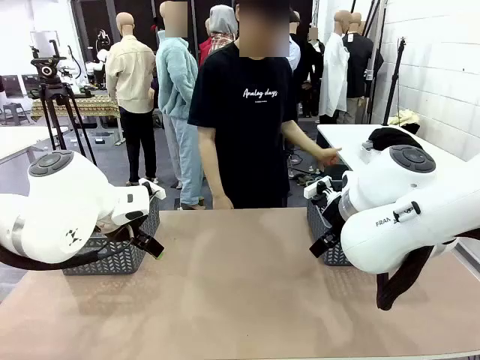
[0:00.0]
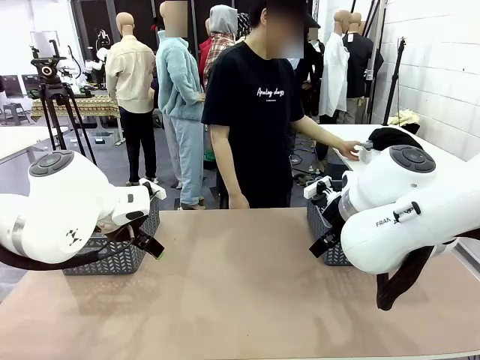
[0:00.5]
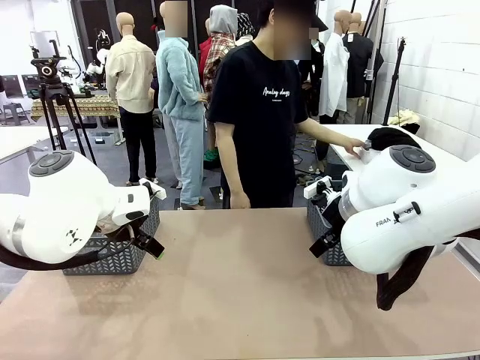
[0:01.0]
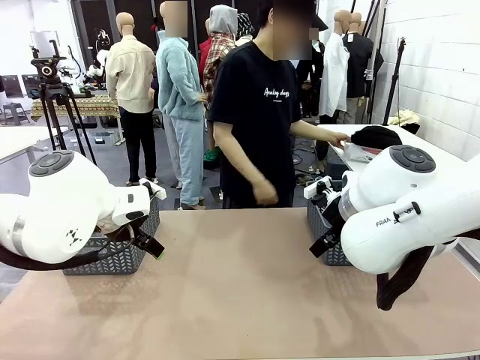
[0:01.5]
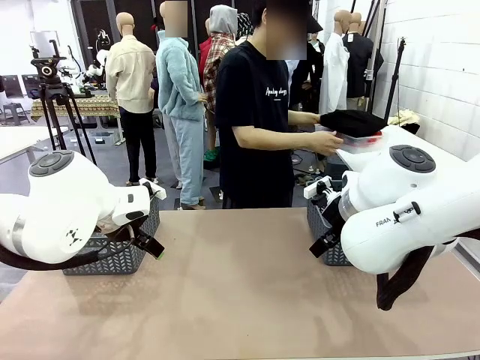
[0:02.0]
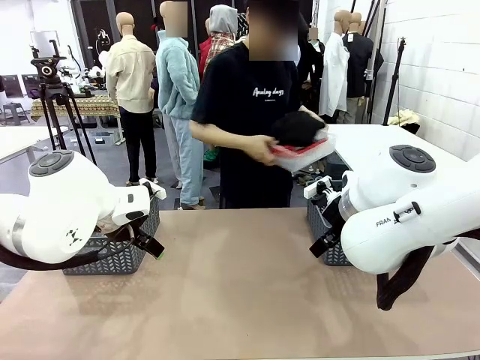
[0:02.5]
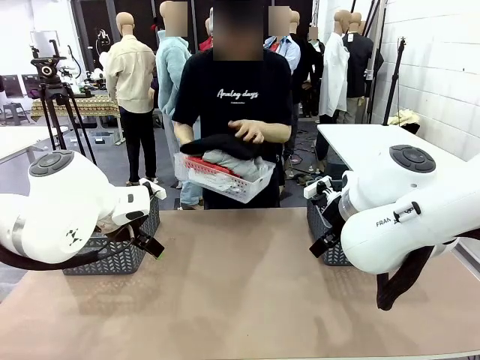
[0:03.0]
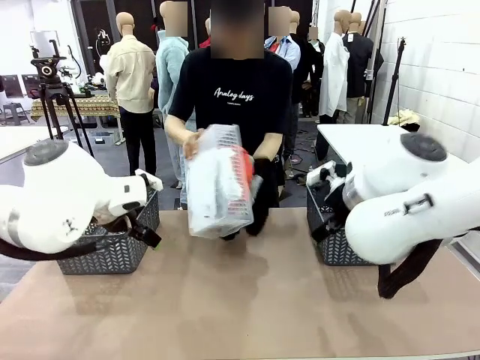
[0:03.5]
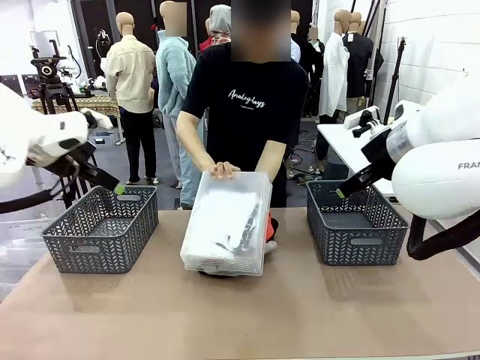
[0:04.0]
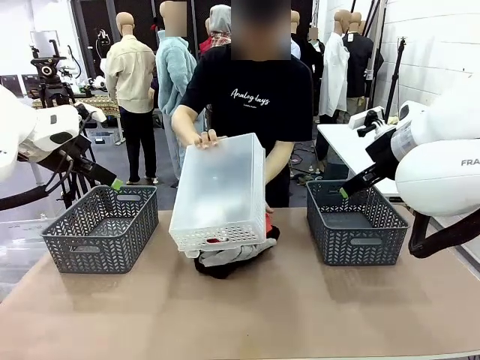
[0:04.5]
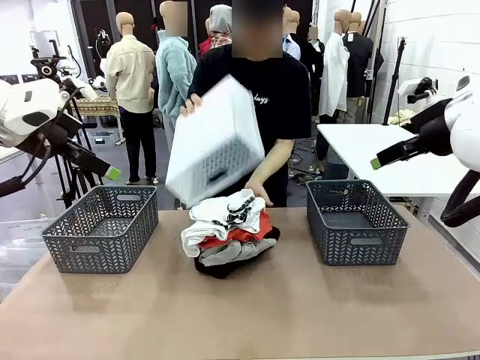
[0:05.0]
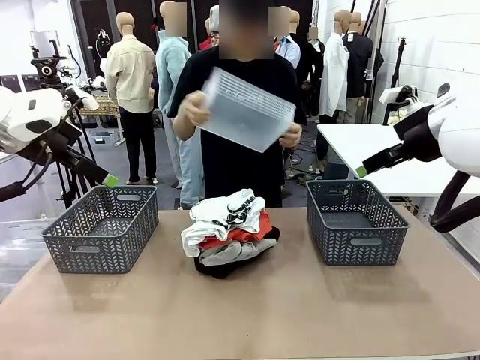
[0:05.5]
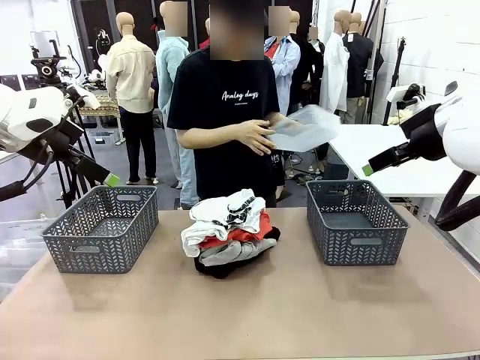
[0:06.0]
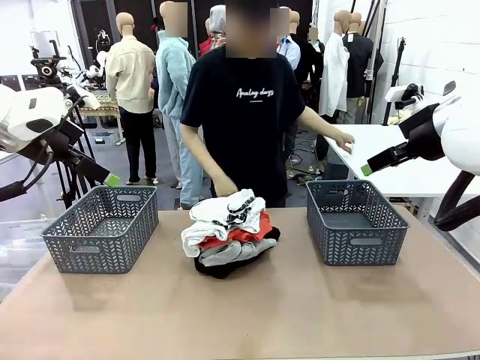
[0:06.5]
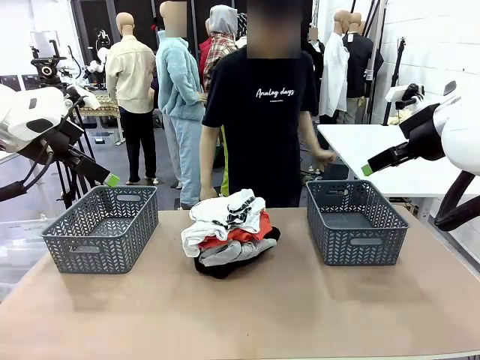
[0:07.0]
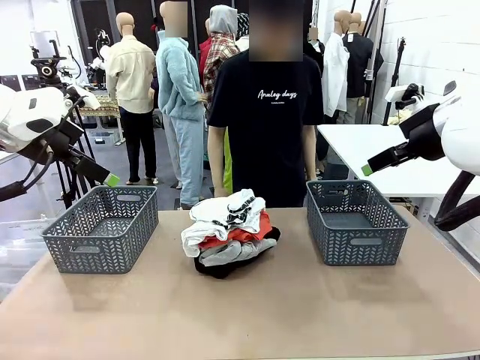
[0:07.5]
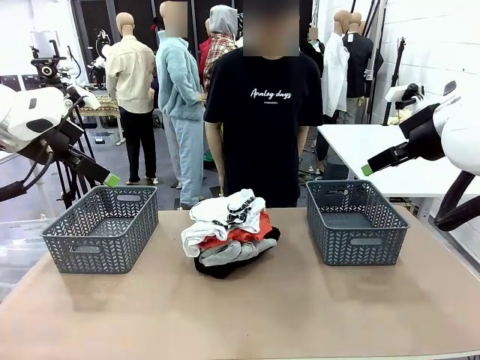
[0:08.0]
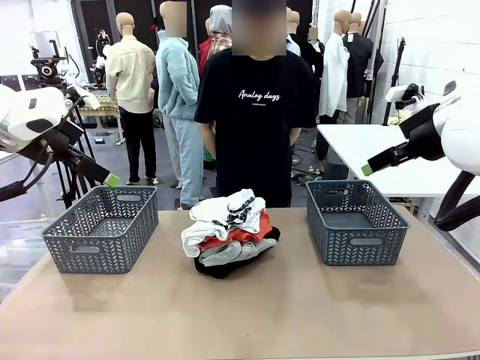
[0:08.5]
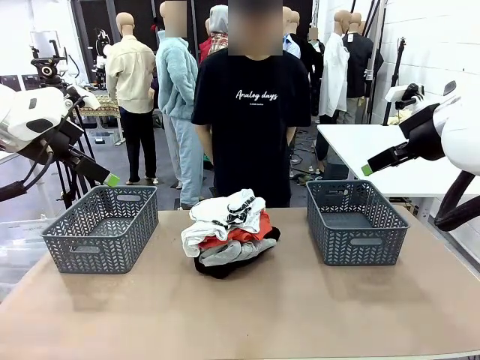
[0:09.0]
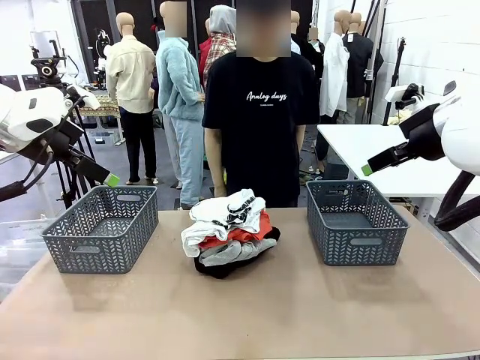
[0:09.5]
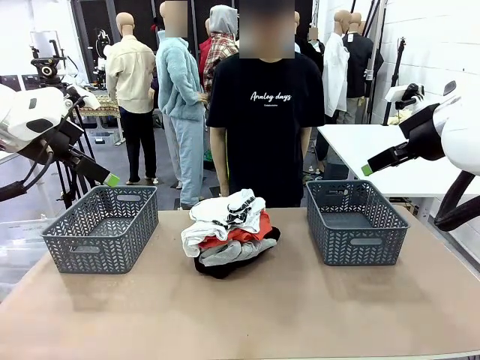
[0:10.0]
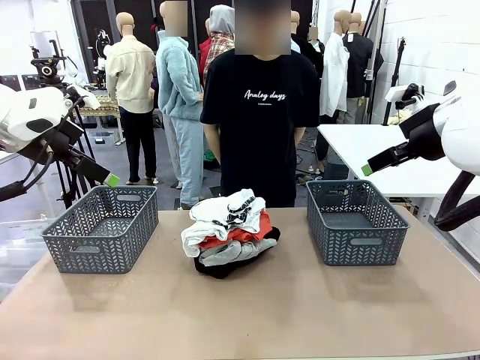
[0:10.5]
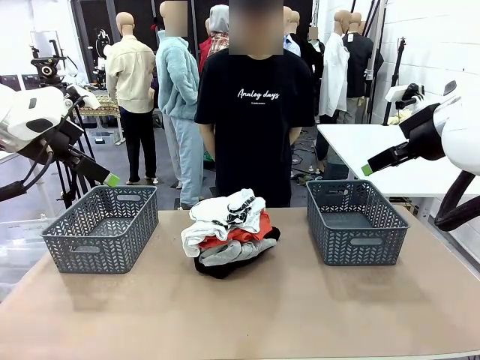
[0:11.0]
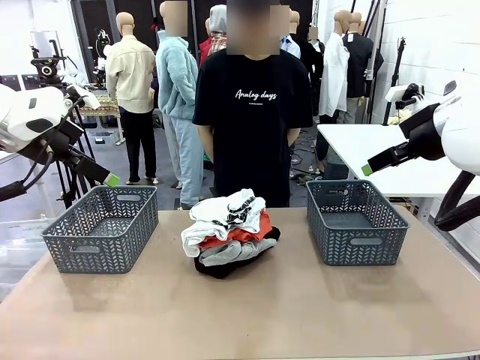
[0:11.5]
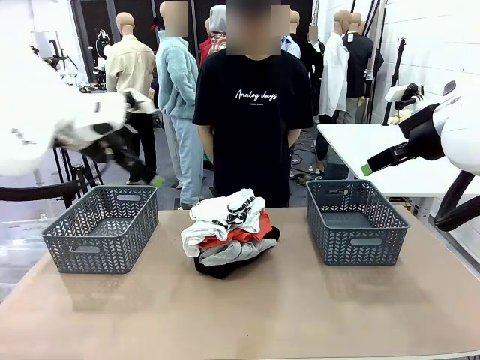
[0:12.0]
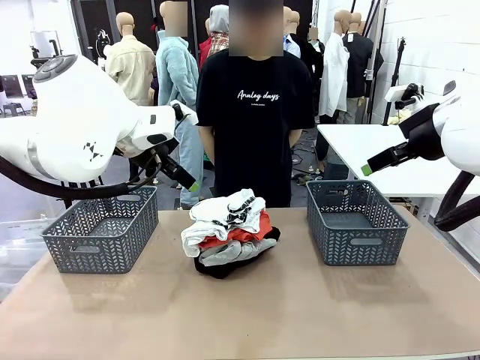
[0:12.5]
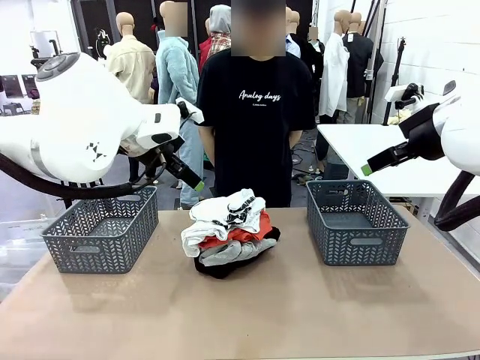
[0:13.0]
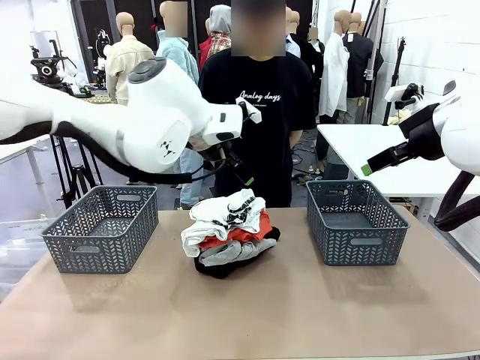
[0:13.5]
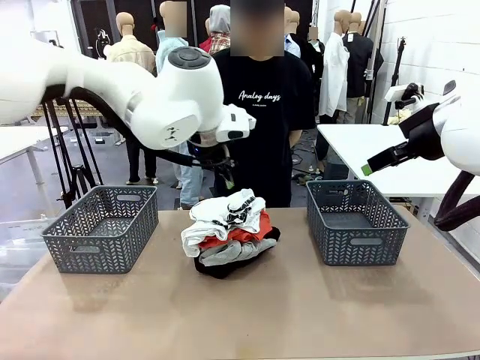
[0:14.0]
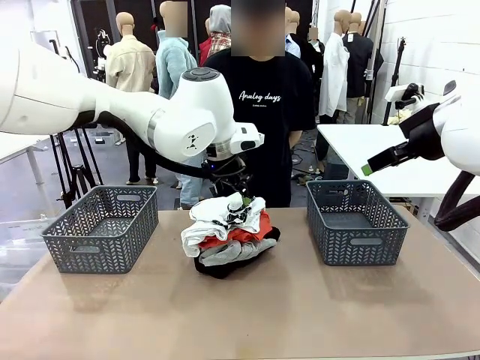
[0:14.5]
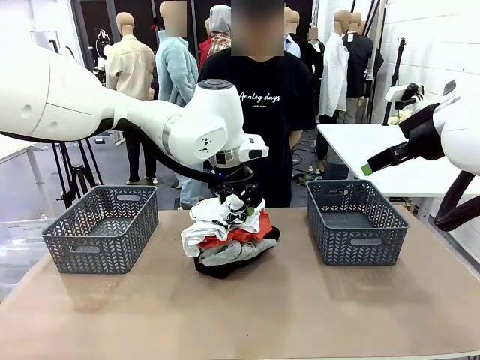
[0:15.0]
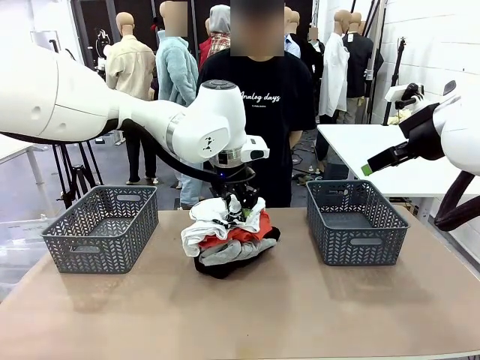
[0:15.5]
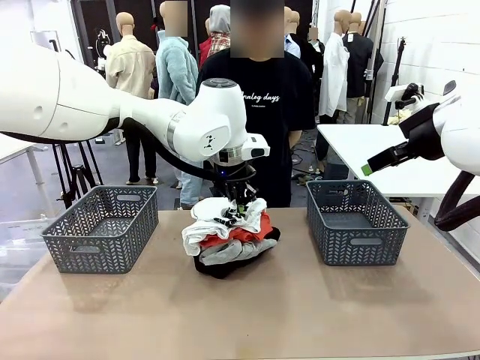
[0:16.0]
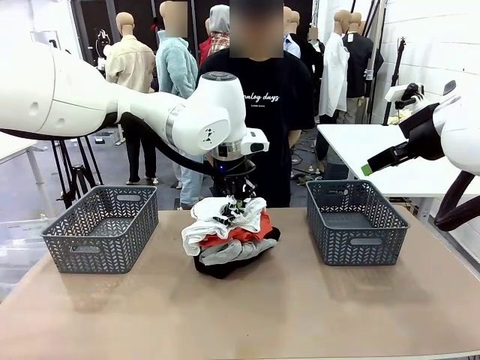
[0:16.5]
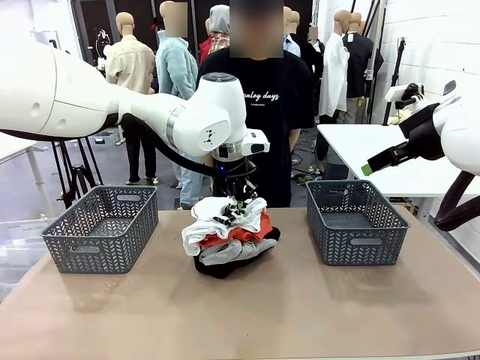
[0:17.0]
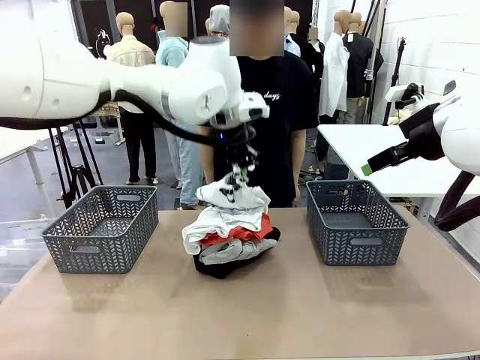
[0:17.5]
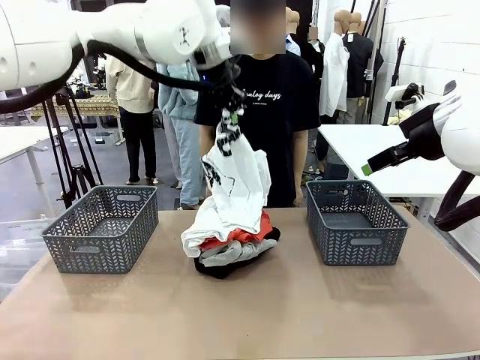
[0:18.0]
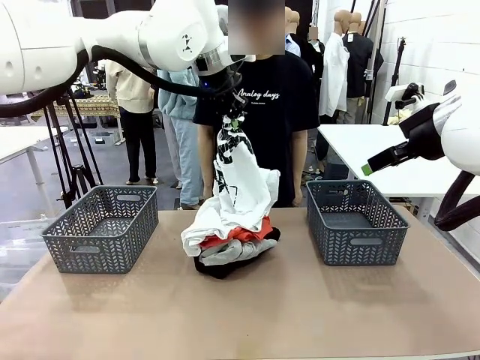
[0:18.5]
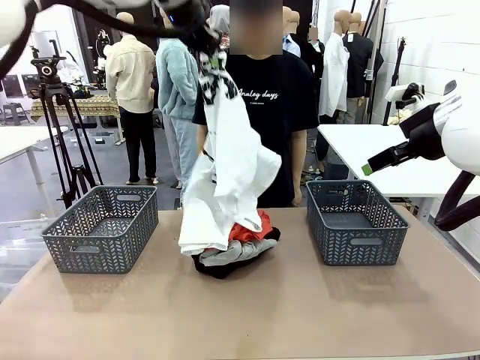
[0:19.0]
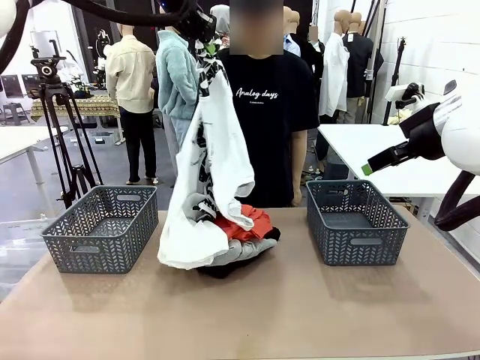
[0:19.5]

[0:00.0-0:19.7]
Task: Sort the tops and bottoms.
Robot: Lift clothes from the center of the table with your left hand.
Person: Pour the clothes from the basket onto the center of the robot table.

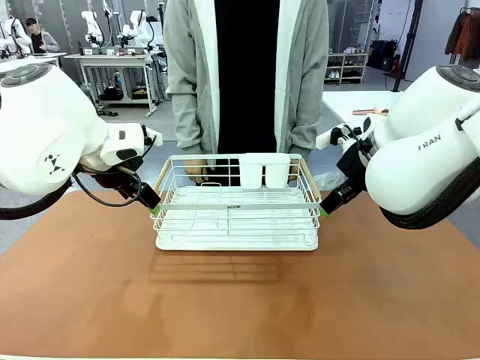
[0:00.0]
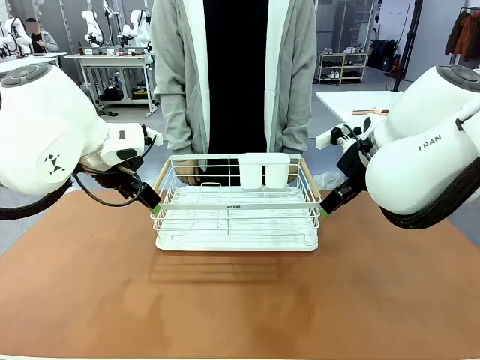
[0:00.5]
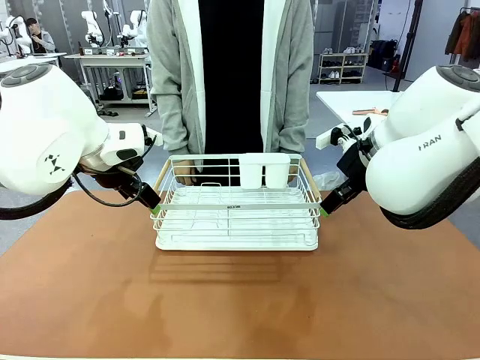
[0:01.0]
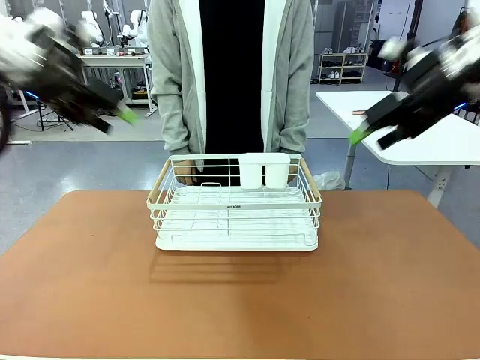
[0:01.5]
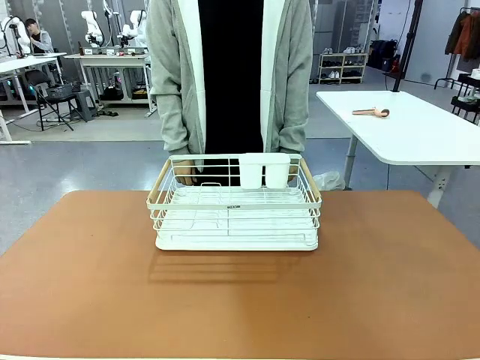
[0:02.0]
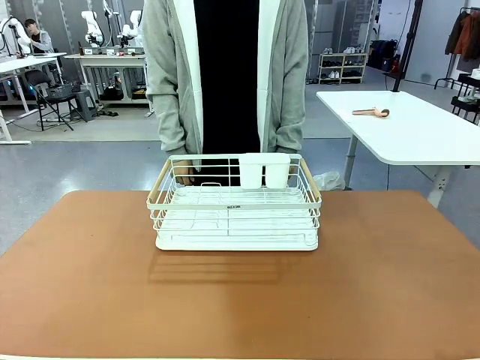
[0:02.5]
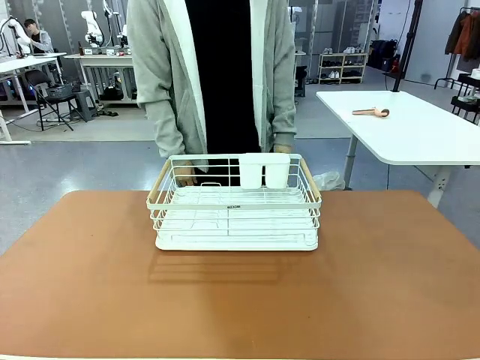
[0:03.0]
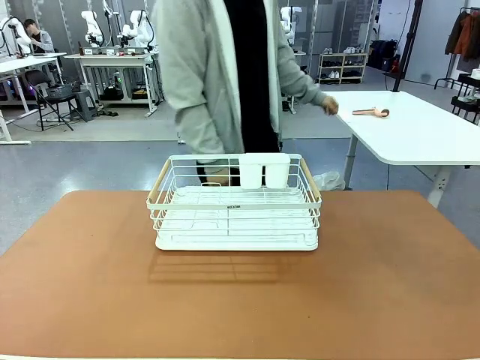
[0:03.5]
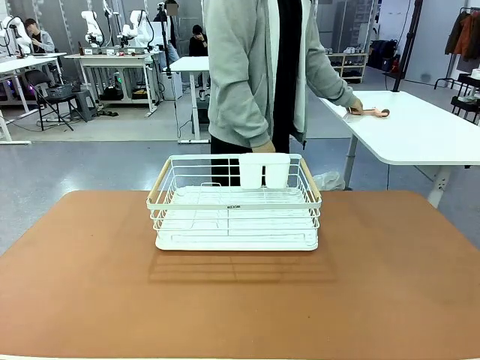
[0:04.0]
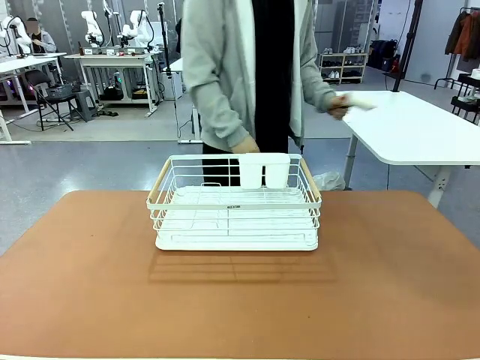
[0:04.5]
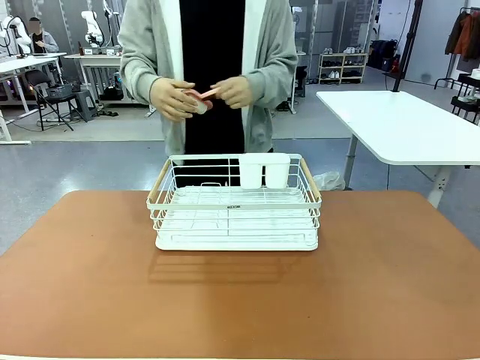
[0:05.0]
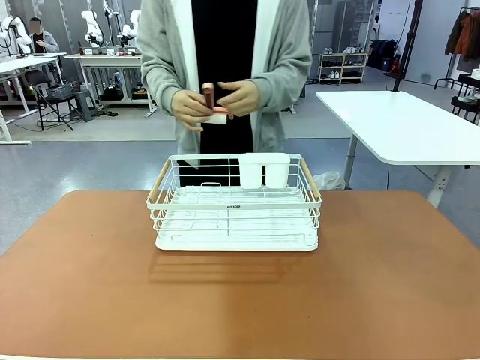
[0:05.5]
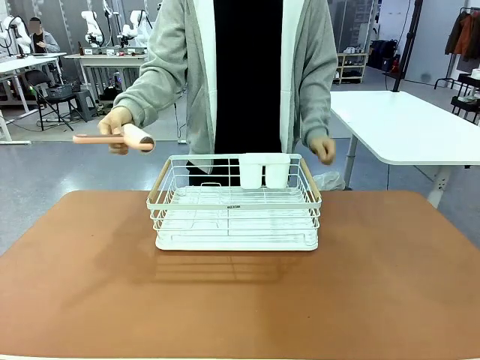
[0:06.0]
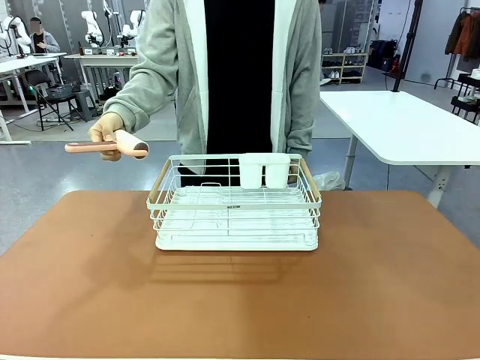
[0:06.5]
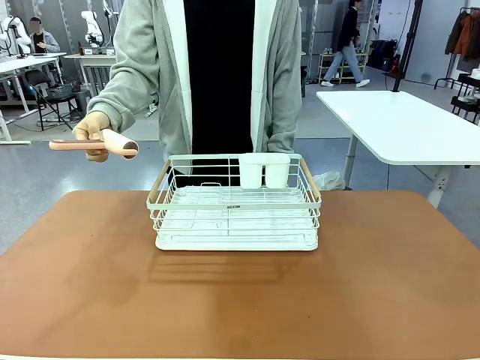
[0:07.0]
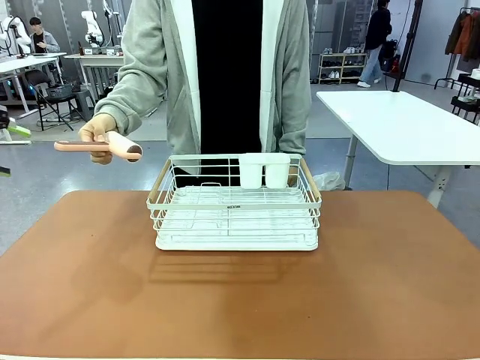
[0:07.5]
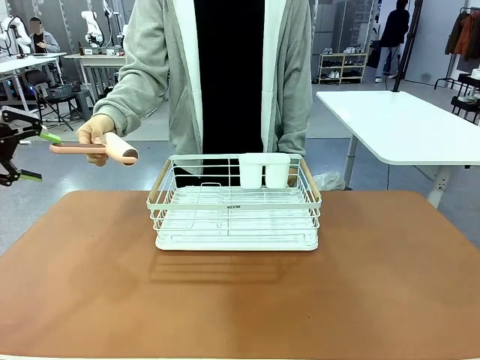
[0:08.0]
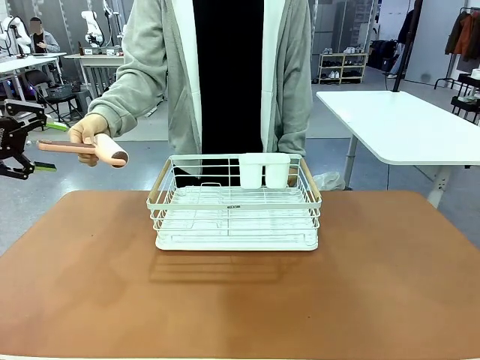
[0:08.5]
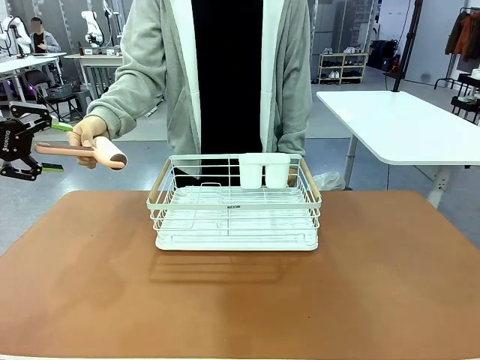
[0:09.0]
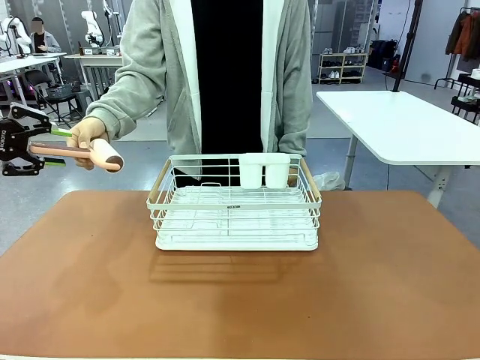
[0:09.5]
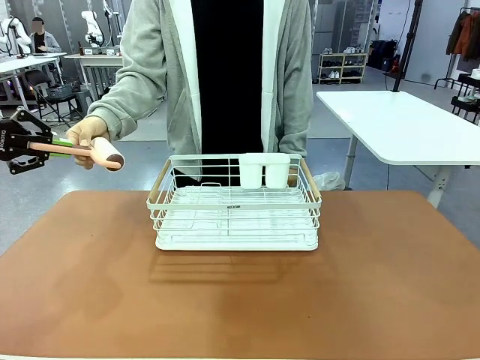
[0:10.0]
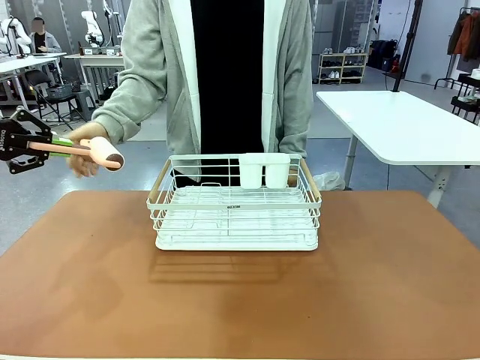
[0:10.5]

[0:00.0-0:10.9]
Task: Clean the table.
Robot: Pick up the Lint Roller when the human hands it over.
Person: Hand the Lint Roller to the robot so it can easily pick it up. Lift the Dish drying rack.
